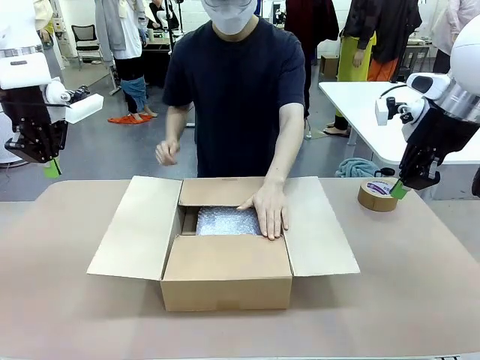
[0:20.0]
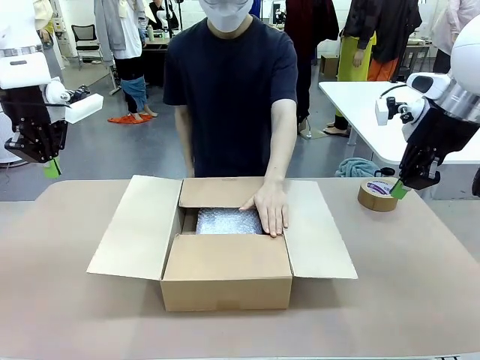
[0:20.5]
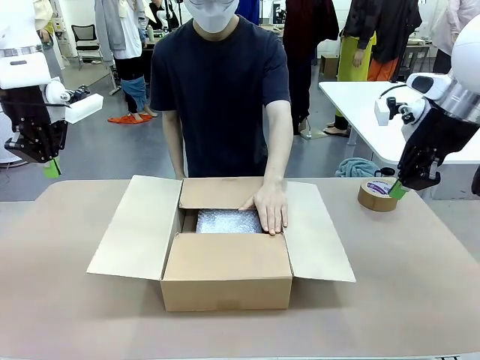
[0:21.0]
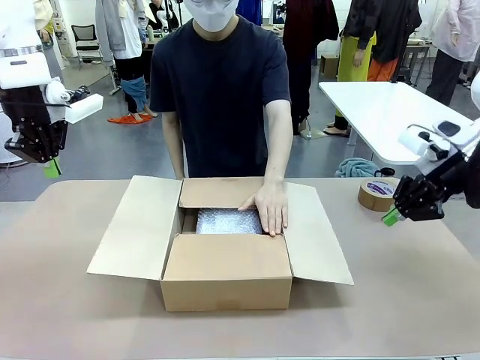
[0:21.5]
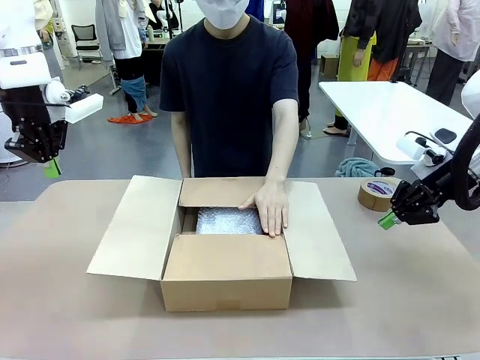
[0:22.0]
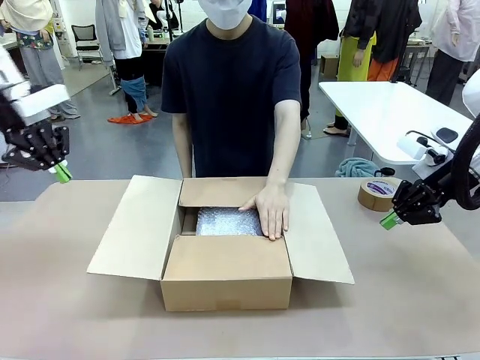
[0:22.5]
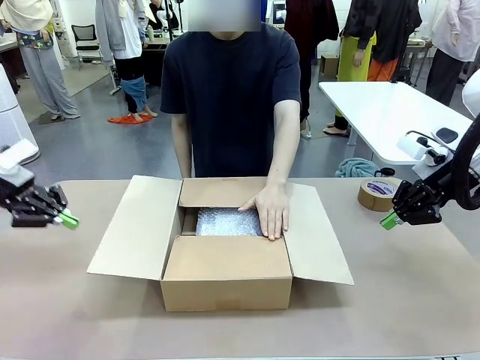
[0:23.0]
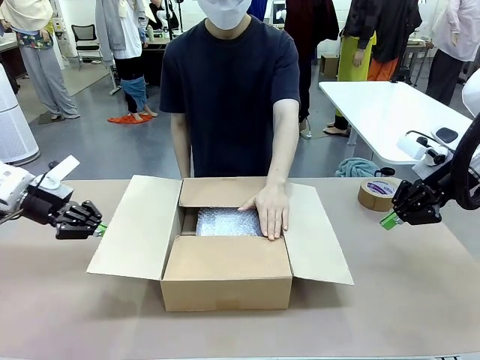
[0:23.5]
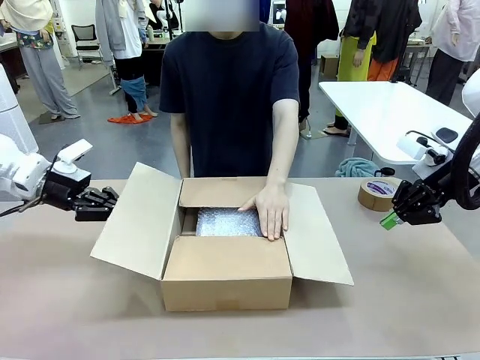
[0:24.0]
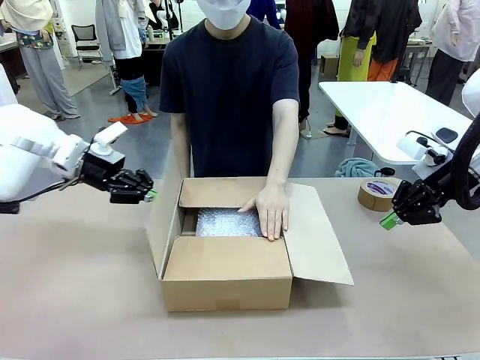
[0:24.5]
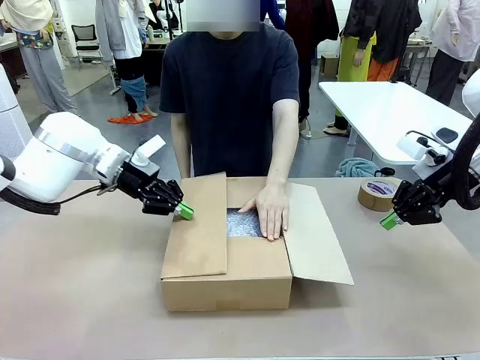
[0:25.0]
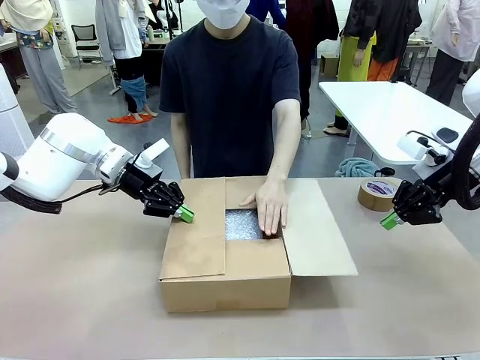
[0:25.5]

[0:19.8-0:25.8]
Task: Wrap the clocks to prevent damage.
Robot: Push the right (or left) flap of the Package Box to close it.
Person: Once the robot closes the right flap of the Package Box , release your left hand from the box.

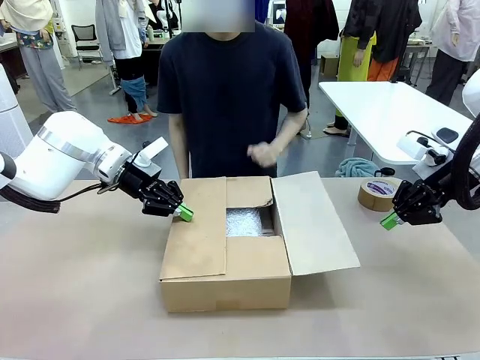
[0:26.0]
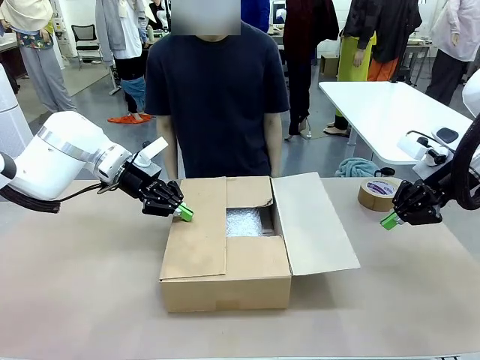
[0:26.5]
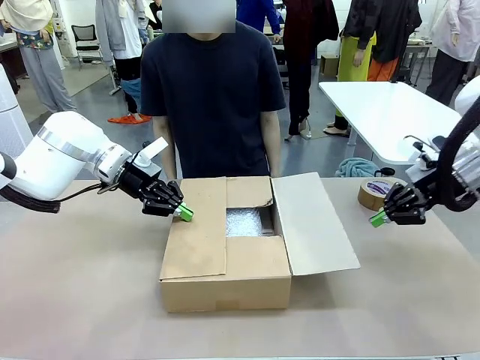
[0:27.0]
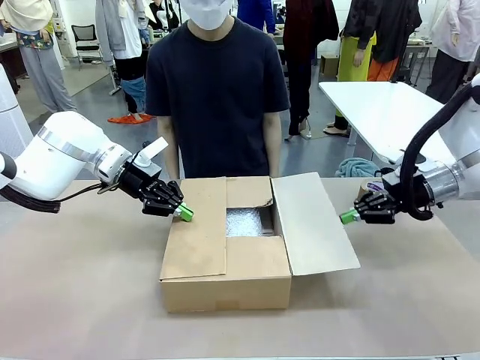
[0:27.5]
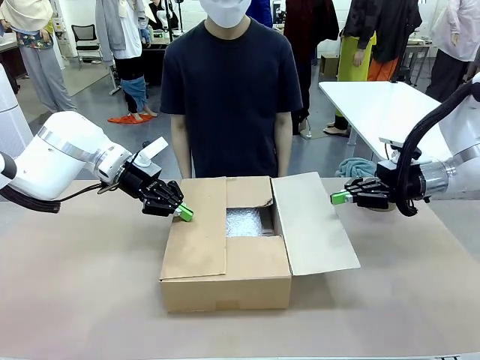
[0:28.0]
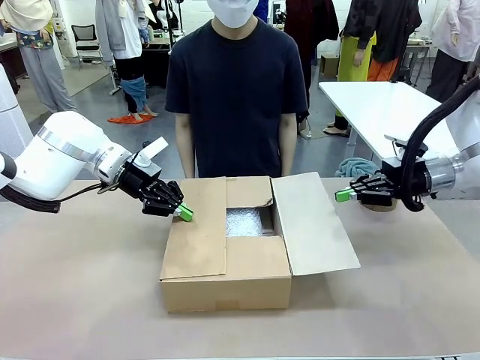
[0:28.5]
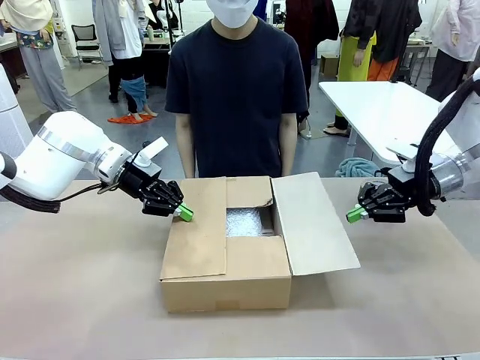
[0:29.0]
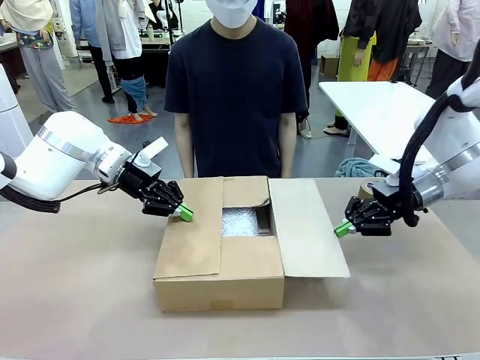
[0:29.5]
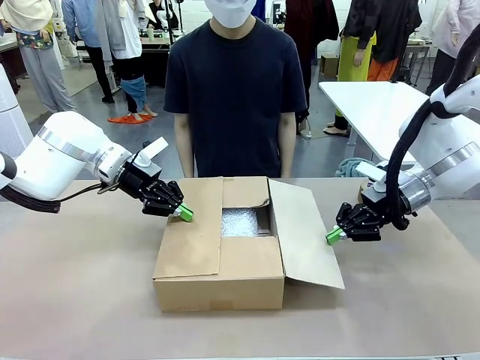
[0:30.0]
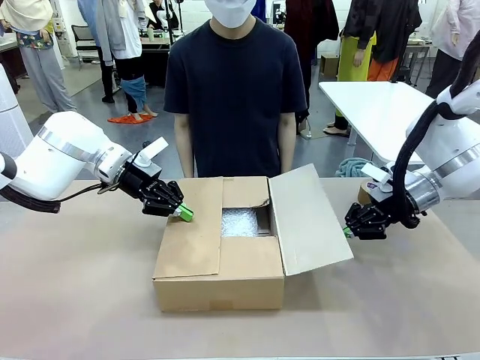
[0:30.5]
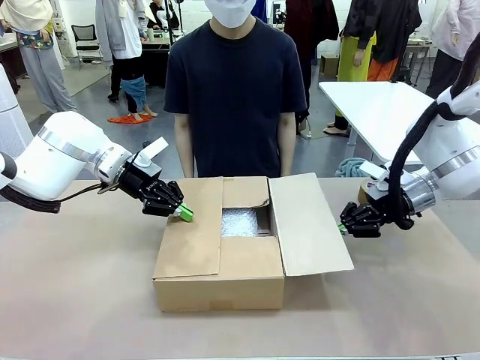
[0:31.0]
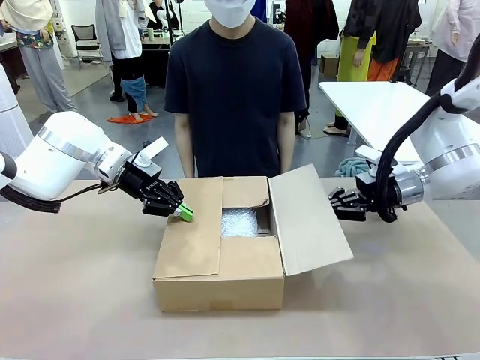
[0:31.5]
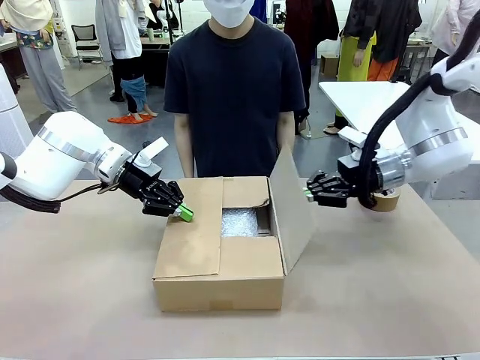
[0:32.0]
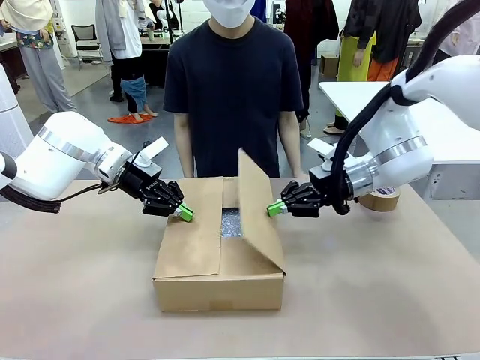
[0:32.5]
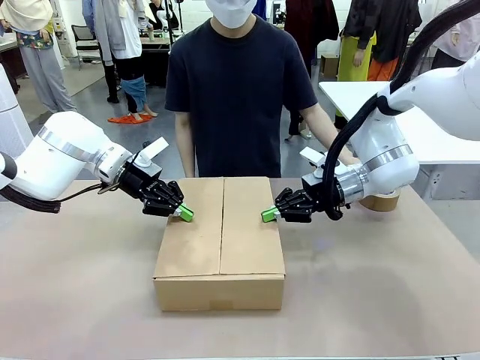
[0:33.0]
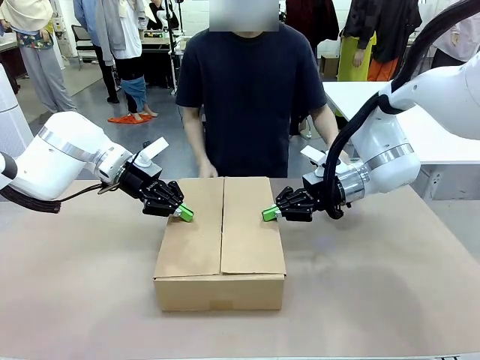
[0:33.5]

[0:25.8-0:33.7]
Robot: Push the left (or right) flap of the Package Box to close it.

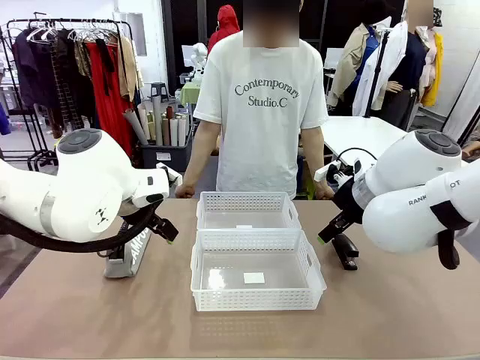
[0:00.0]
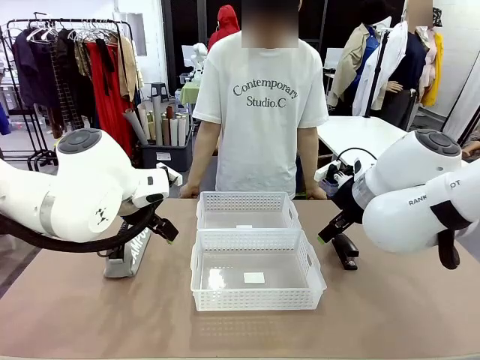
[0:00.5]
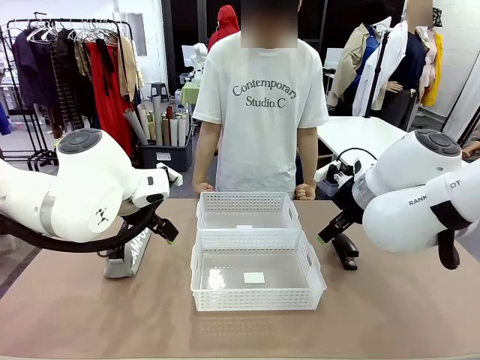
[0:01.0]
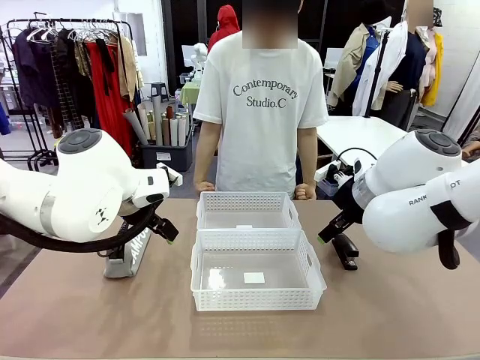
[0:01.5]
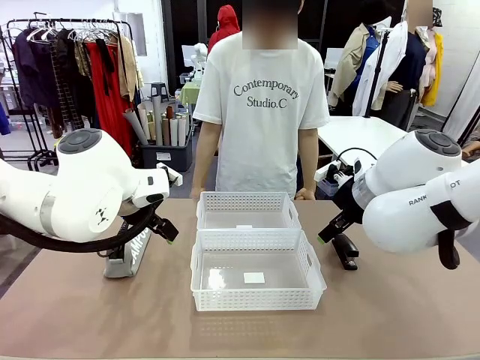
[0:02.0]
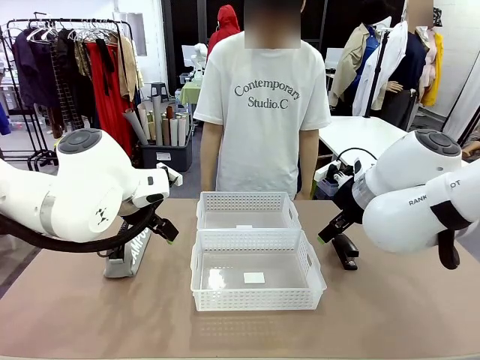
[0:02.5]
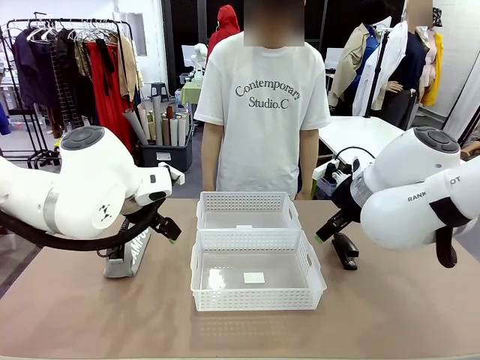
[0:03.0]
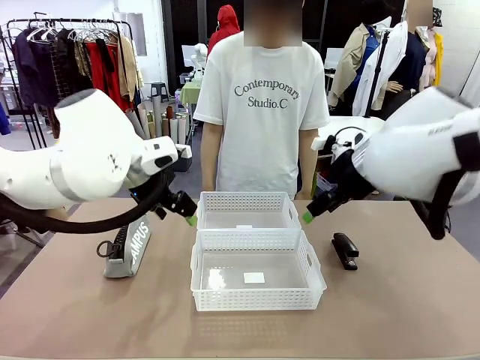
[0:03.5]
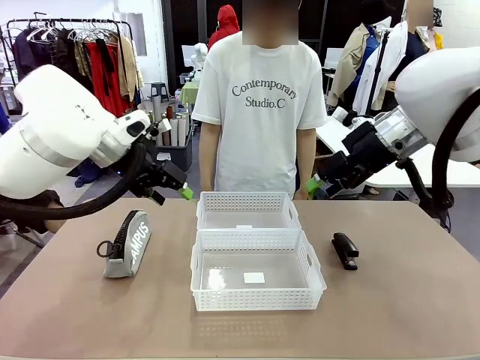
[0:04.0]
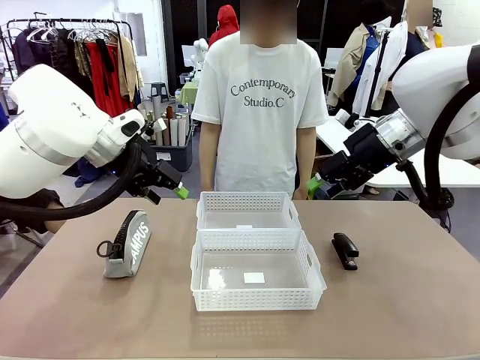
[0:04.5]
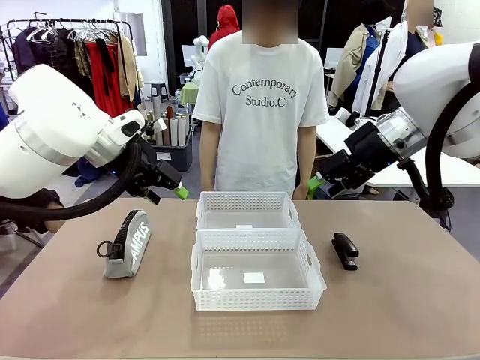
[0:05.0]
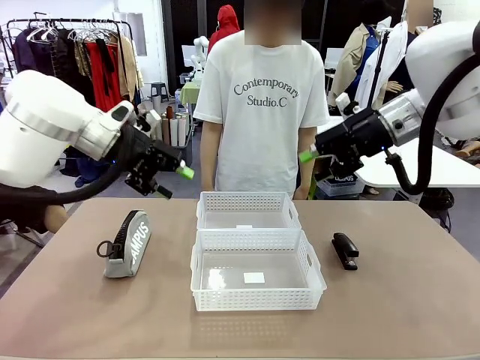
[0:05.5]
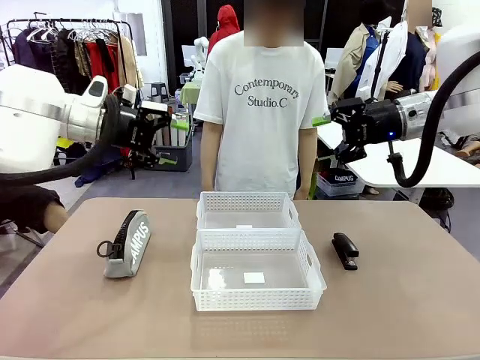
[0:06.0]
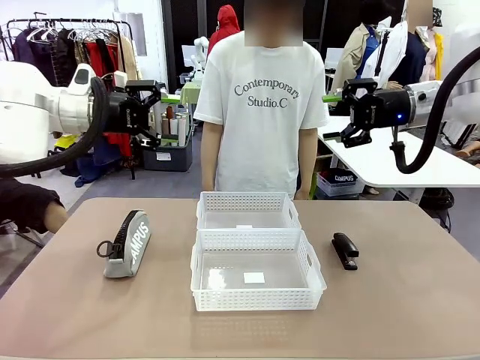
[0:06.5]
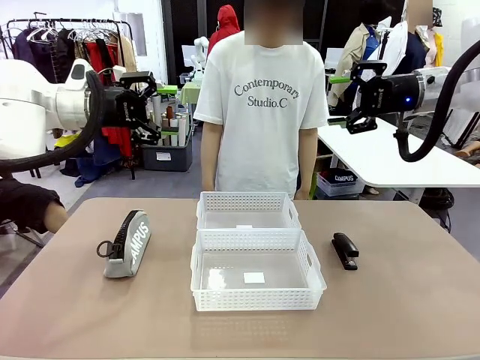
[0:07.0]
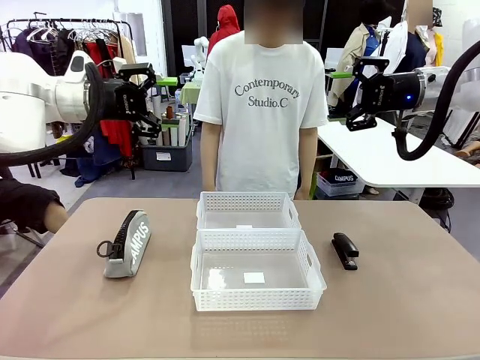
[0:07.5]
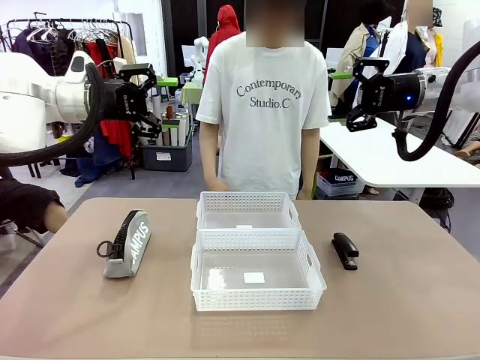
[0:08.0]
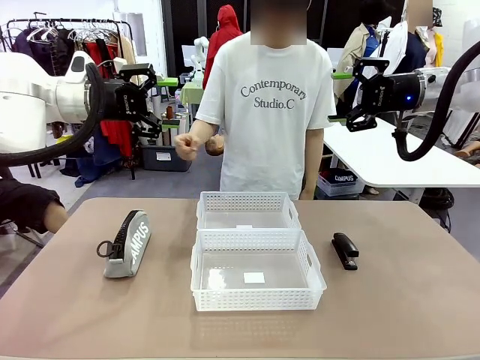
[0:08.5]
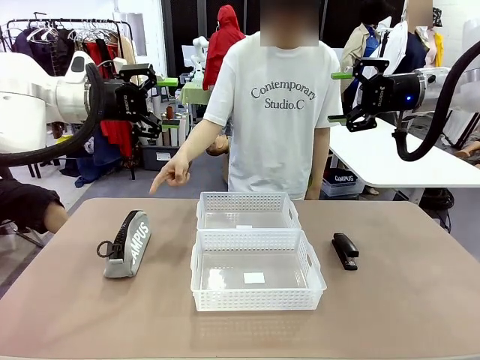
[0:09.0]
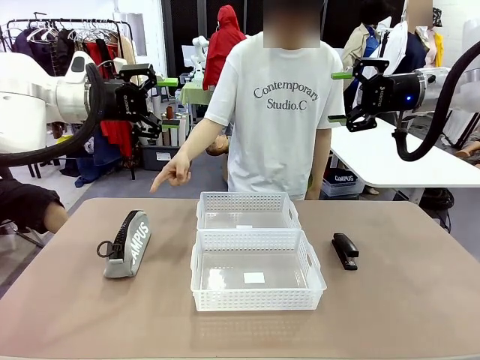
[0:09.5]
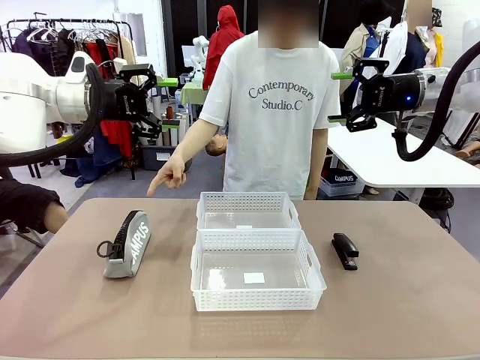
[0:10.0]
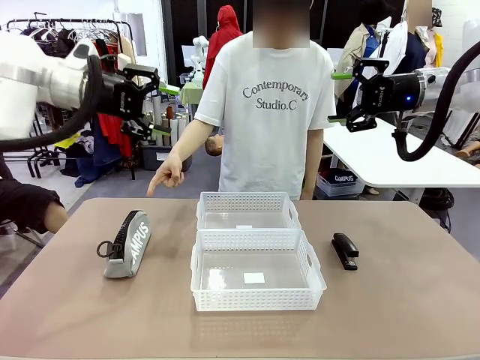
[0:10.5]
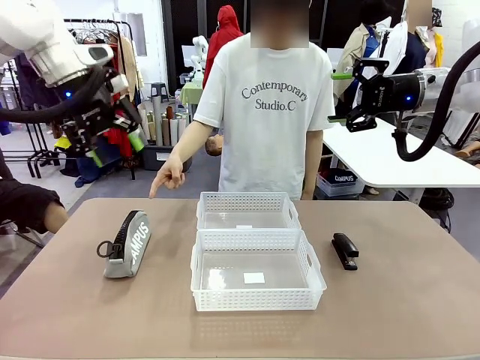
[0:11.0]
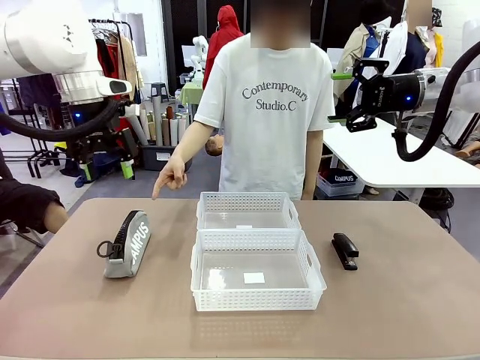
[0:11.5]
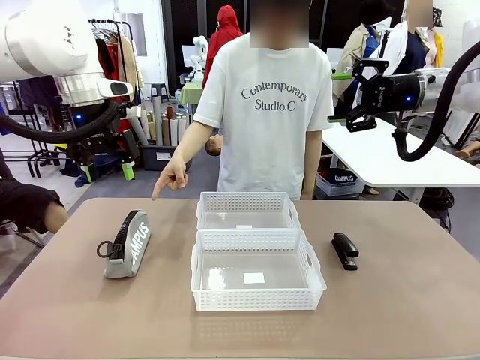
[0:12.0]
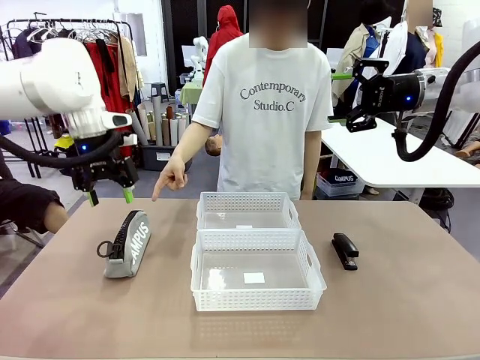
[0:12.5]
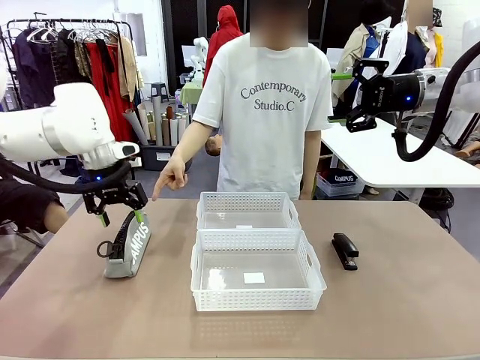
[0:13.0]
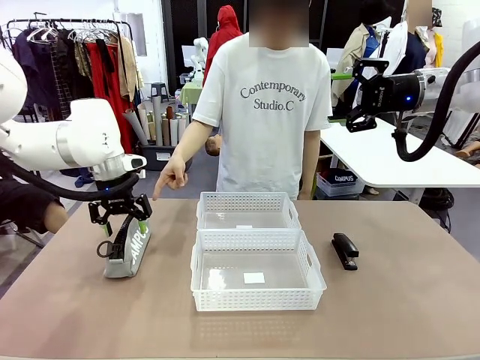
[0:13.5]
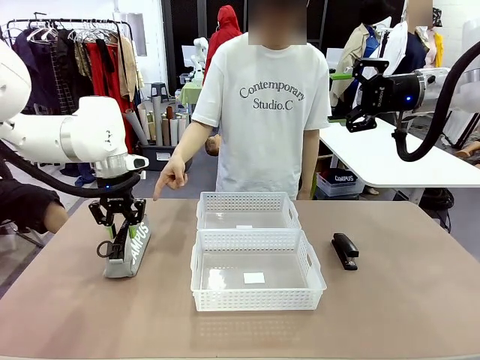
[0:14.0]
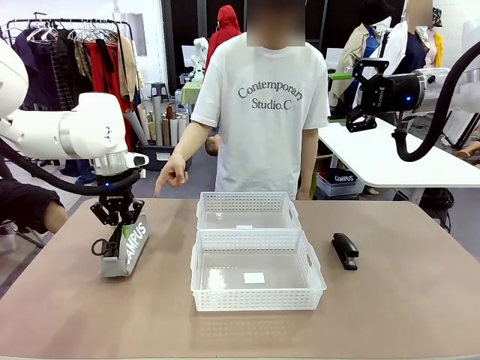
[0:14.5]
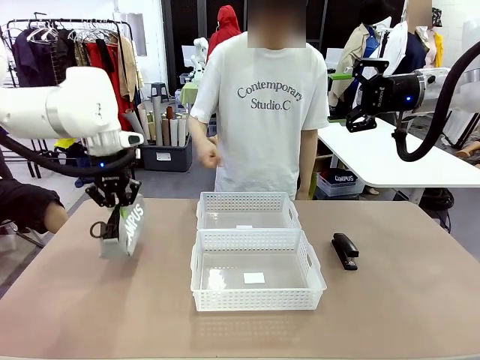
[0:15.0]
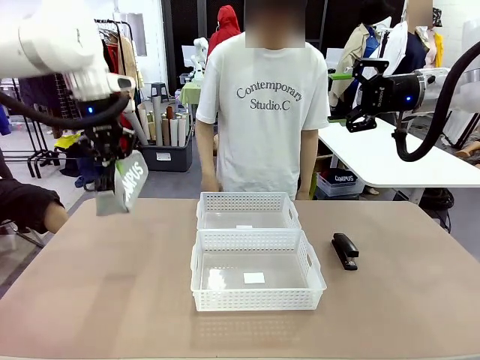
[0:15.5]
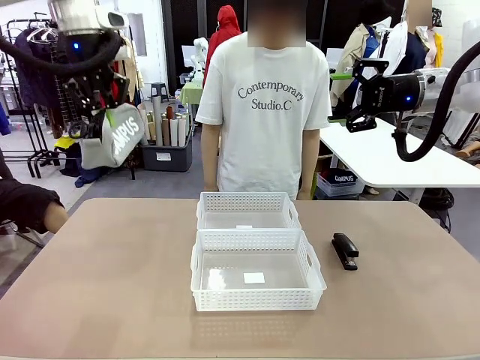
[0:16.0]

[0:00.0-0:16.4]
Task: Distribute items into two baskets.
Robot: Pick up the Pencil pouch that the person points to.
Person: Points to the pencil case. Points between the two organizing baskets and instructs the robot to move the pencil case.
